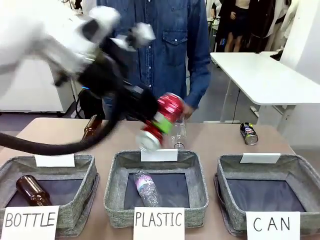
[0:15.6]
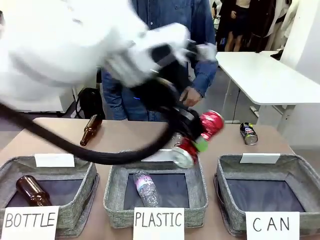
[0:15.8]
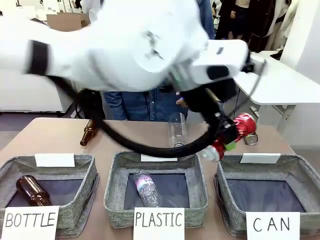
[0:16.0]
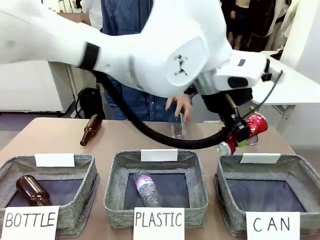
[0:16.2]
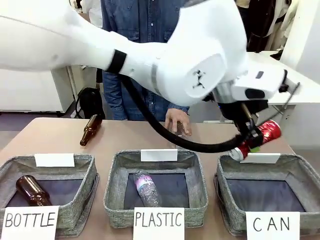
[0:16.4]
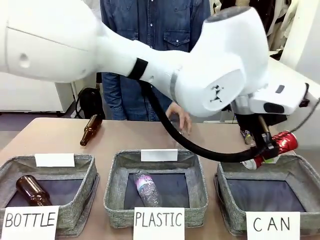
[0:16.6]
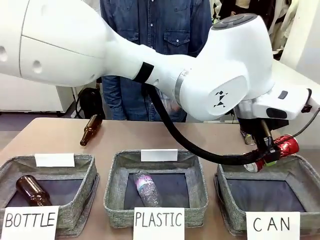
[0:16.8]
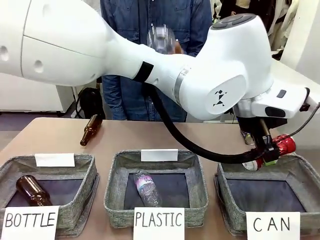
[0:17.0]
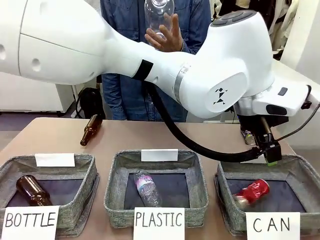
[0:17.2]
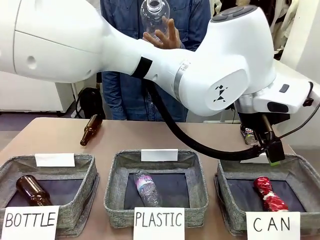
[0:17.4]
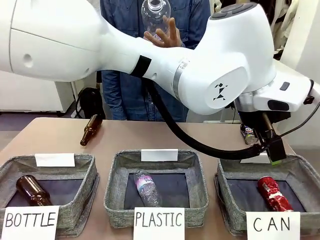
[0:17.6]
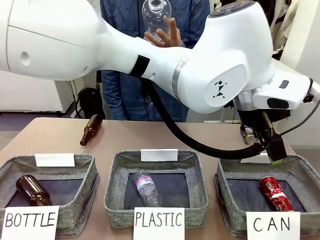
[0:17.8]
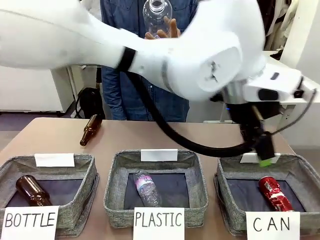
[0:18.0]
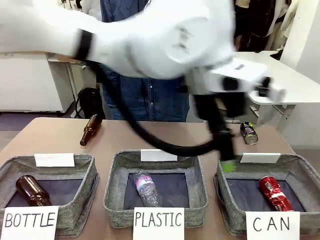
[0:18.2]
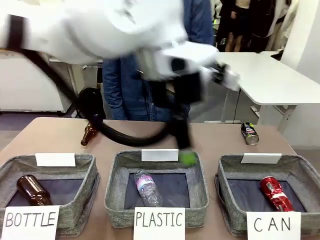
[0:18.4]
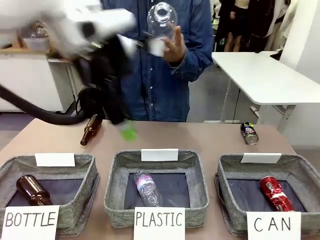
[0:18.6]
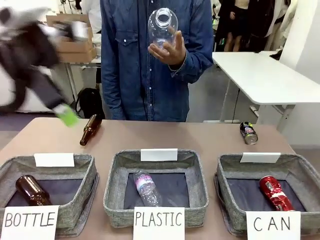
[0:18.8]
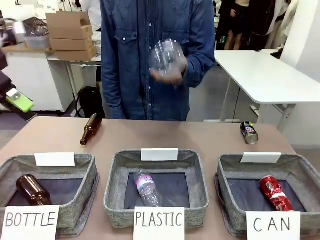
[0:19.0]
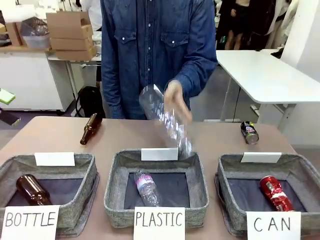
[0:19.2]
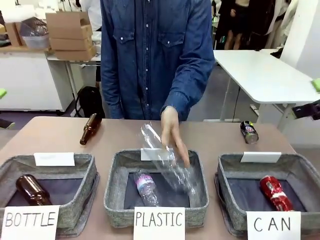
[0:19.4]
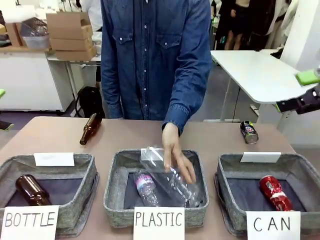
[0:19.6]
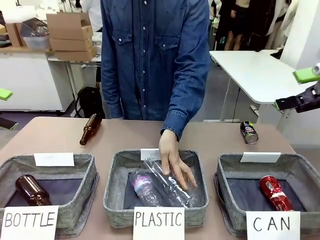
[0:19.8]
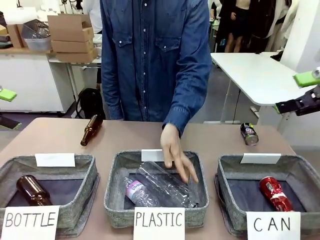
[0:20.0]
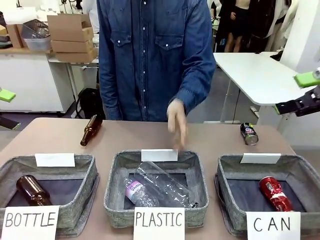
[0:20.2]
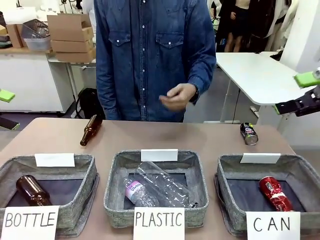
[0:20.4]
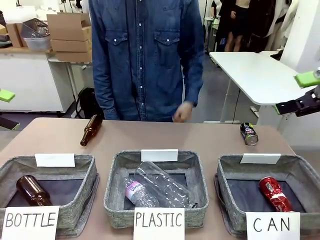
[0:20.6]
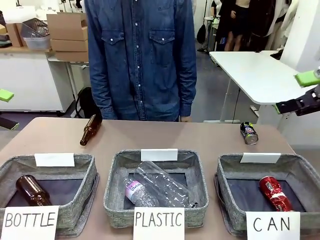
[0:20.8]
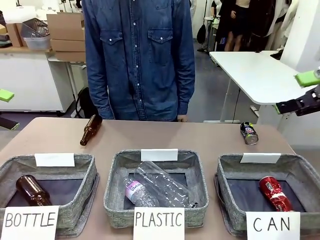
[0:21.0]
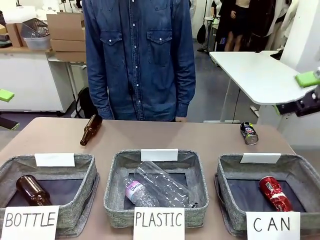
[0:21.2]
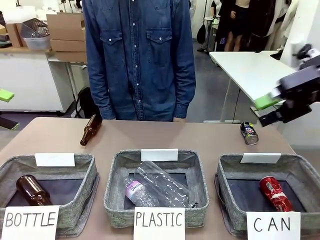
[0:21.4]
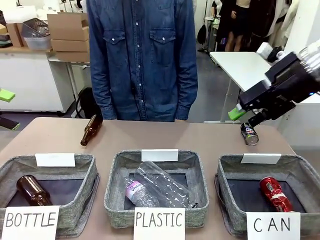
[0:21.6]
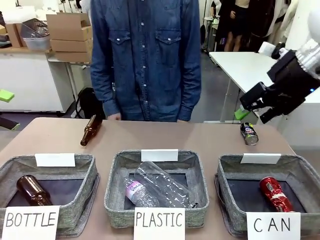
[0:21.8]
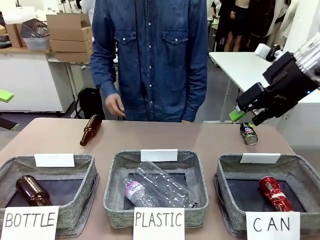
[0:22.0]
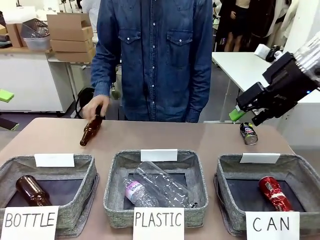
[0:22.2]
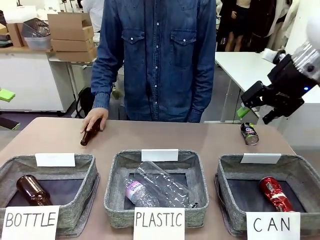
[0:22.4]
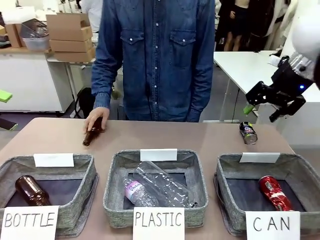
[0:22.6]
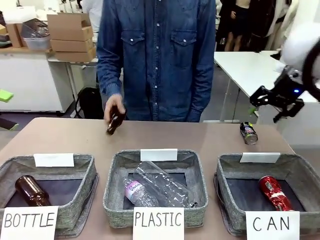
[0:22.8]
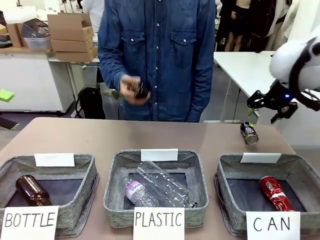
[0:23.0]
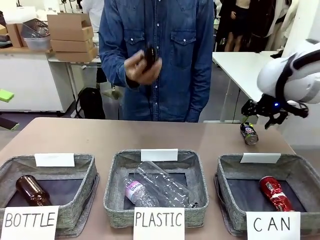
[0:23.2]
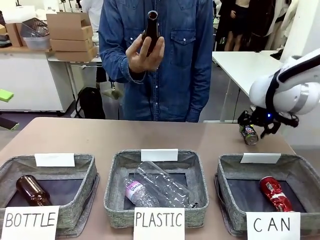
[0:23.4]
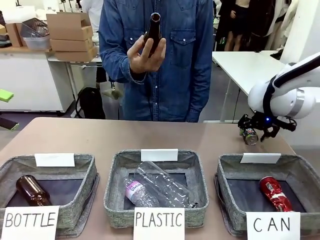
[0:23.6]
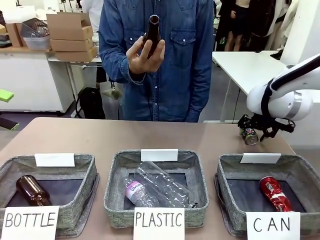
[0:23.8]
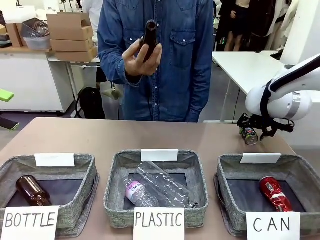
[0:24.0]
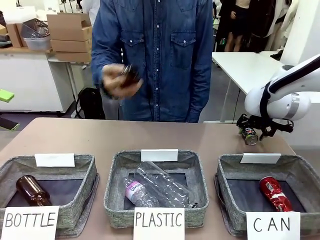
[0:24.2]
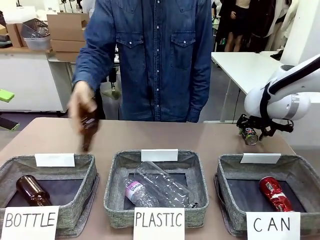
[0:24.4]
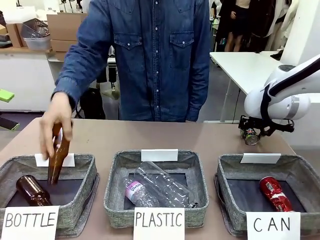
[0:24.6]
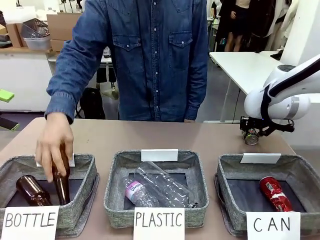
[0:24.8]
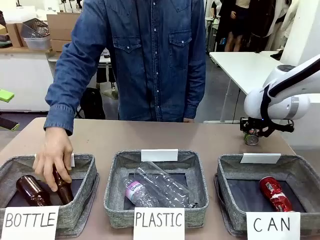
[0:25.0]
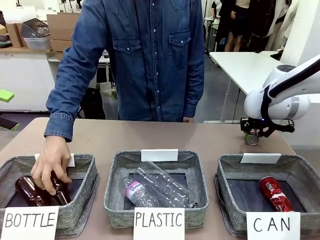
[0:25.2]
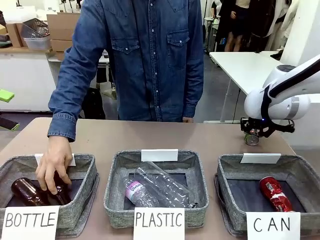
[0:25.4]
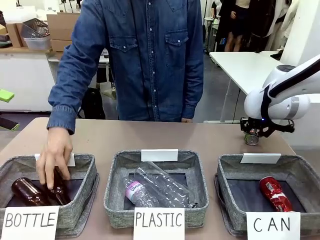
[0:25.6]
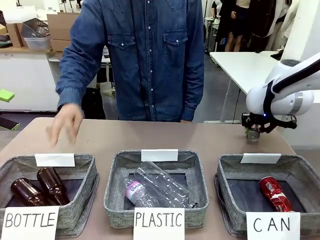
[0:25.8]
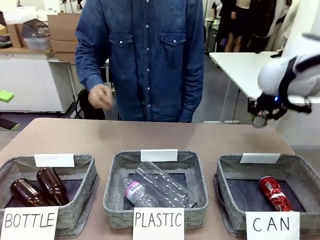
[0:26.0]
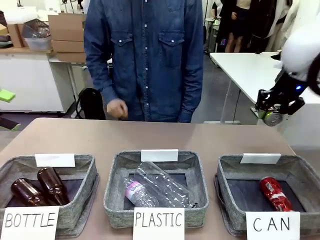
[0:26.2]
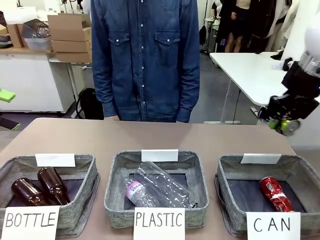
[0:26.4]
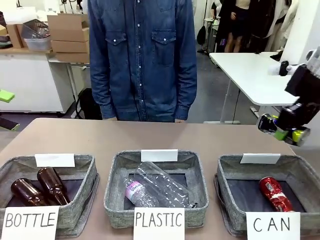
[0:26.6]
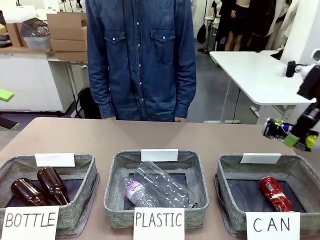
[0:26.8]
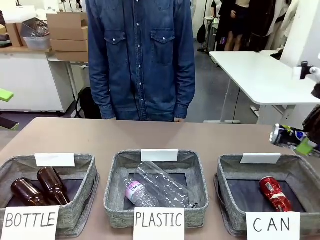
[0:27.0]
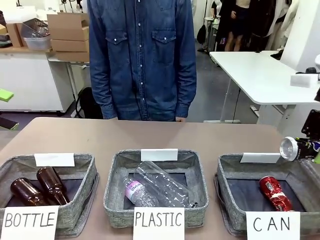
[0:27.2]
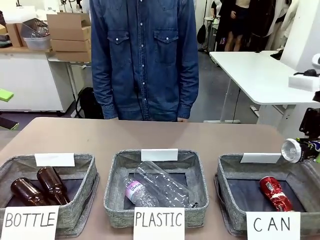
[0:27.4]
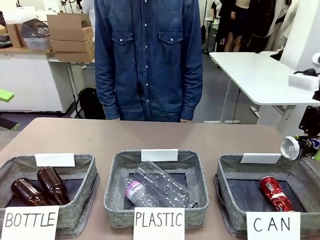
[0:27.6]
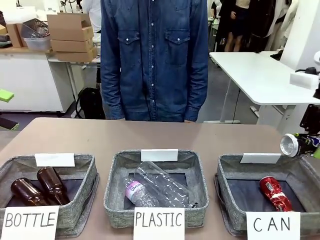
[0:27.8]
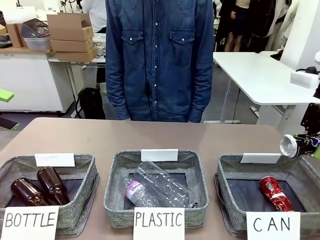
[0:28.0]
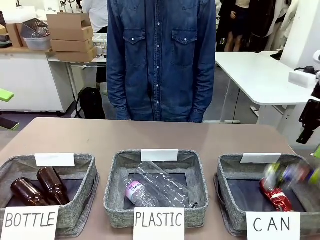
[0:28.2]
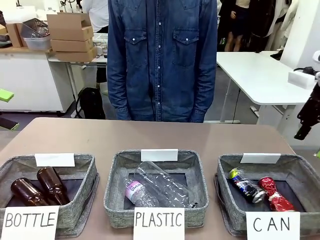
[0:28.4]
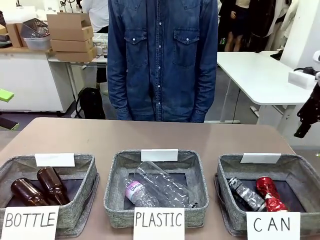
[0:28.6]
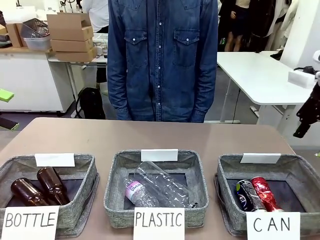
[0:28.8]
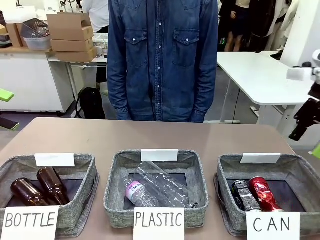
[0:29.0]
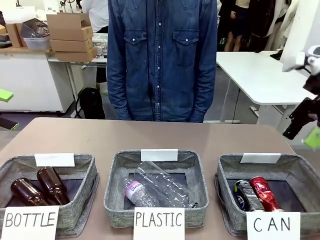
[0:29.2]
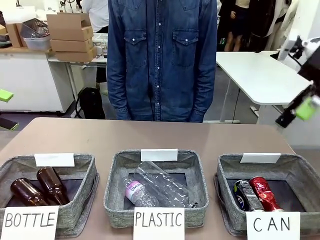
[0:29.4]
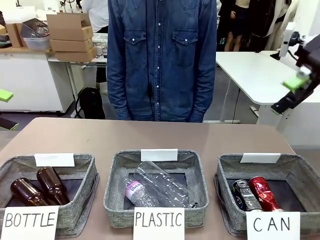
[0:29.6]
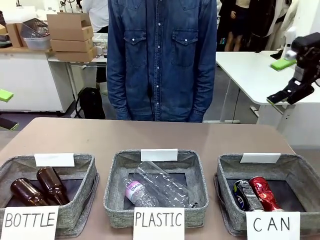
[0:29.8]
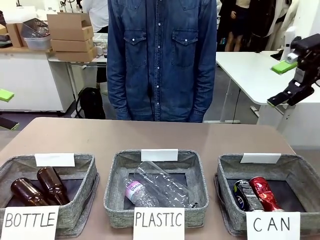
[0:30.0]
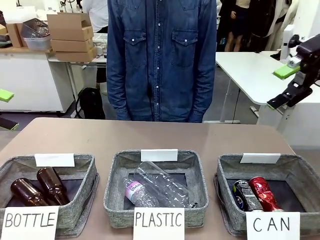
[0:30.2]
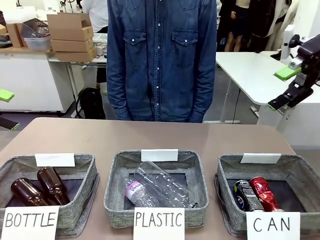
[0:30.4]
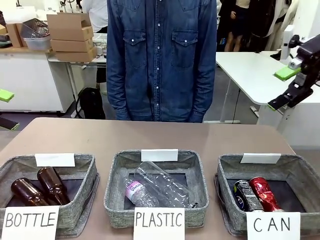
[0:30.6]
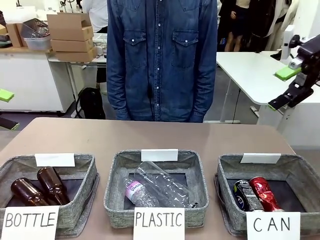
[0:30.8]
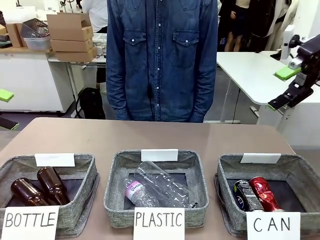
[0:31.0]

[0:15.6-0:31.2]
Task: Sort the can waste into the basket.
Robot: Pick up the can waste from the table and place it in the right Fabric basket.
